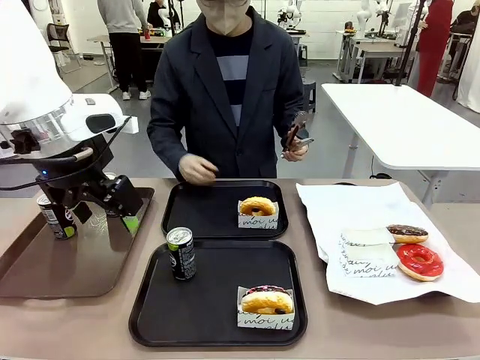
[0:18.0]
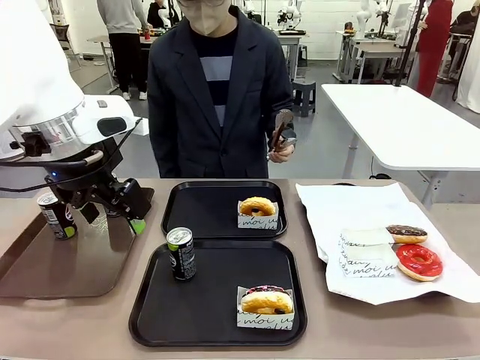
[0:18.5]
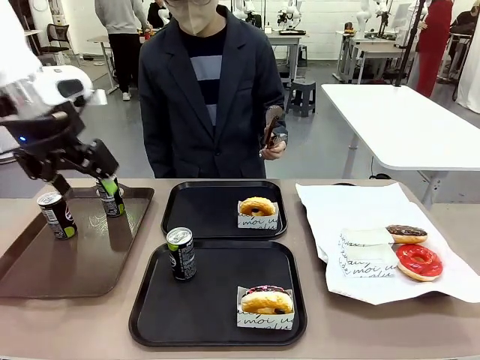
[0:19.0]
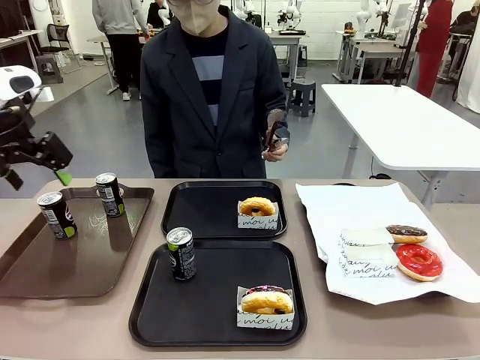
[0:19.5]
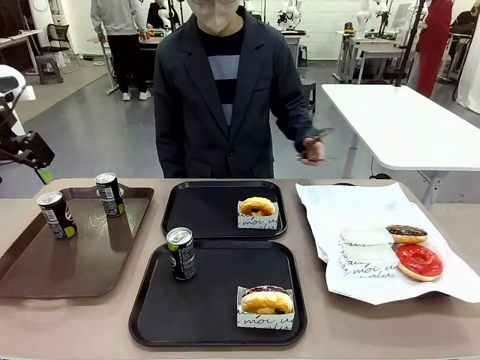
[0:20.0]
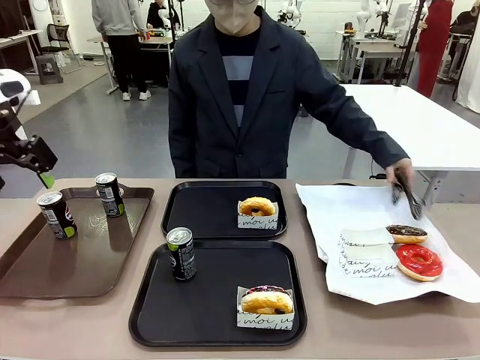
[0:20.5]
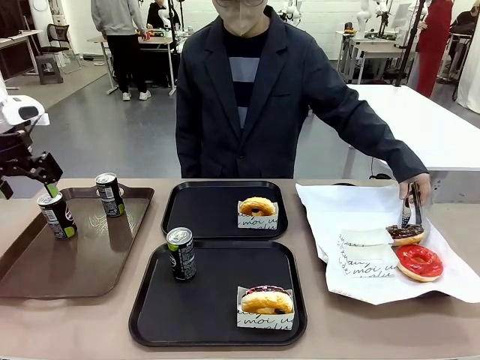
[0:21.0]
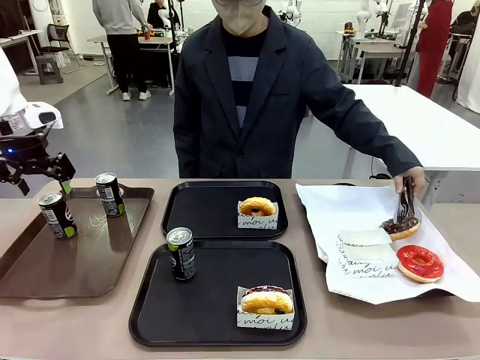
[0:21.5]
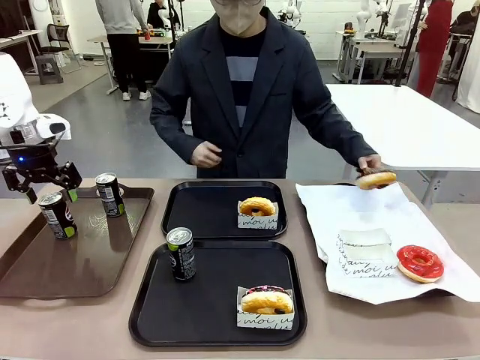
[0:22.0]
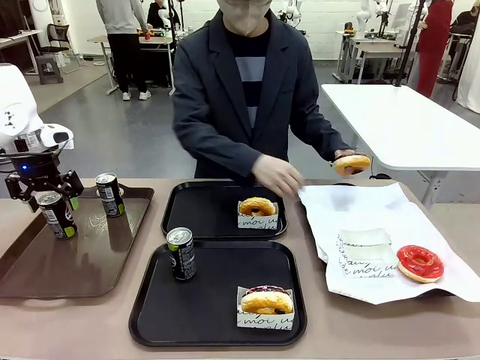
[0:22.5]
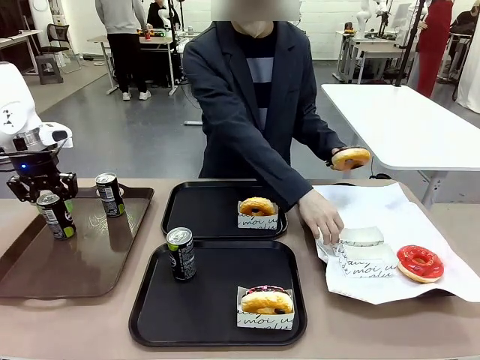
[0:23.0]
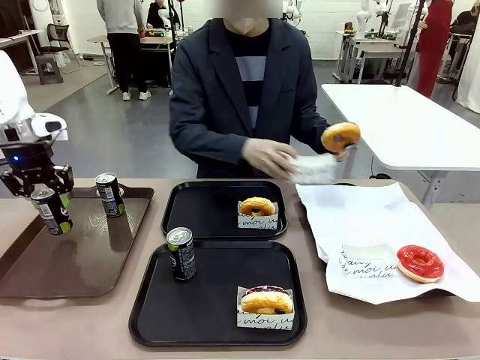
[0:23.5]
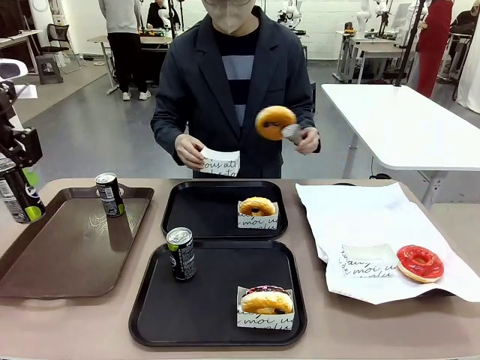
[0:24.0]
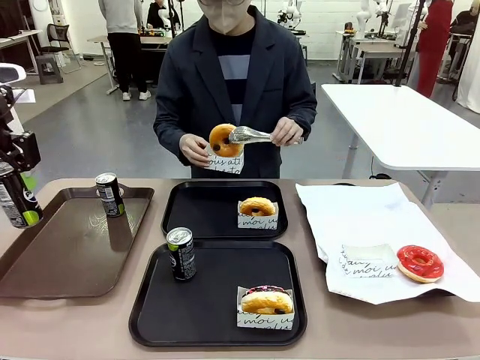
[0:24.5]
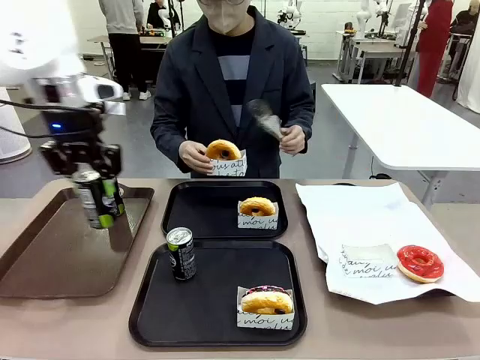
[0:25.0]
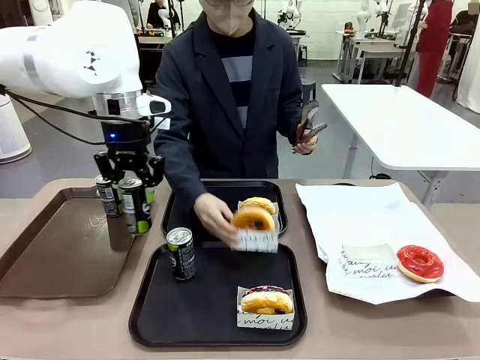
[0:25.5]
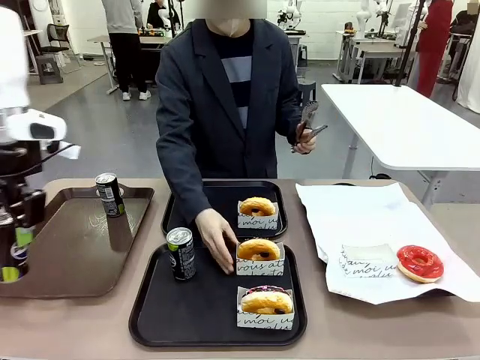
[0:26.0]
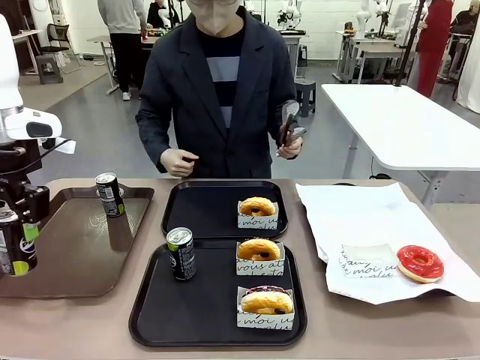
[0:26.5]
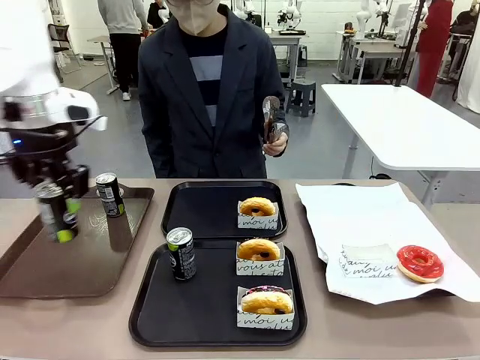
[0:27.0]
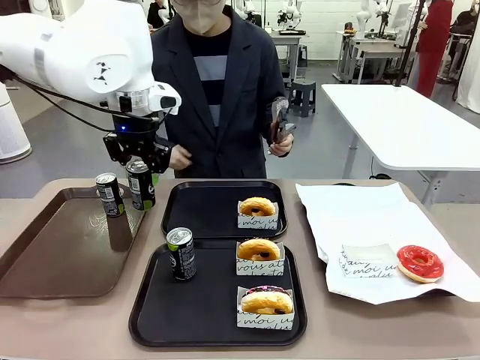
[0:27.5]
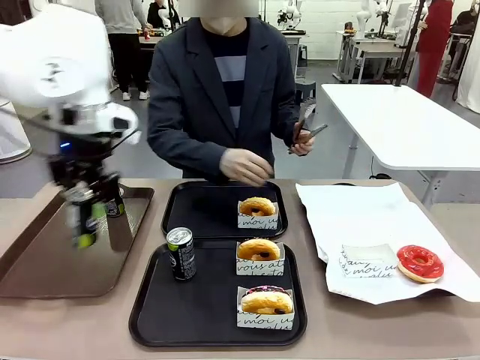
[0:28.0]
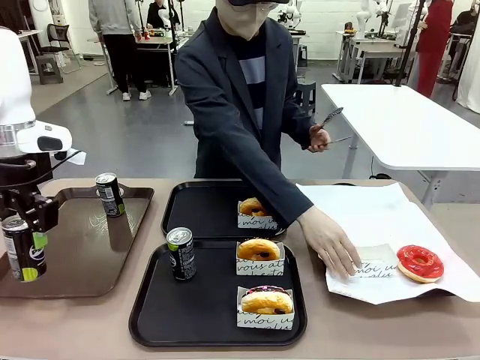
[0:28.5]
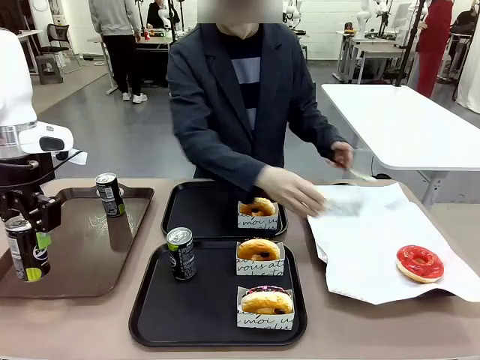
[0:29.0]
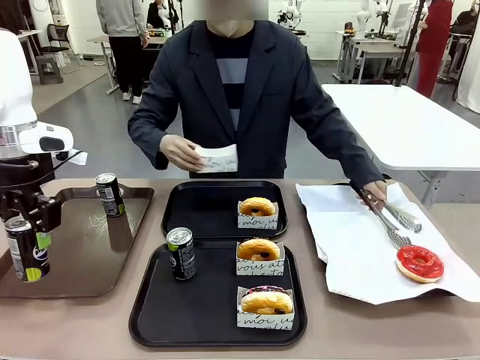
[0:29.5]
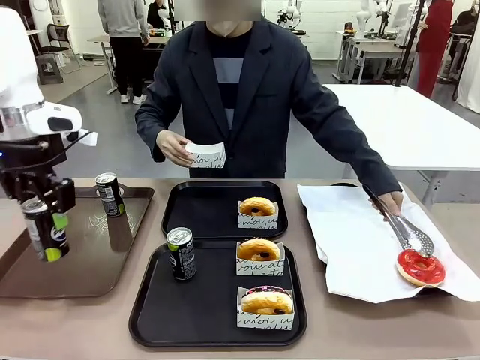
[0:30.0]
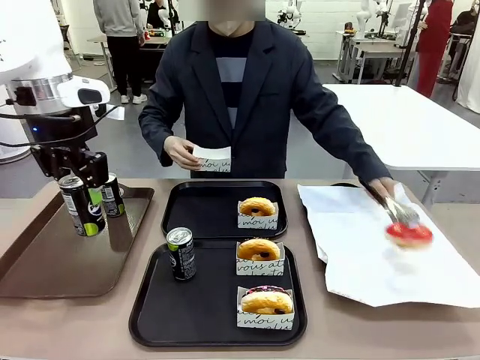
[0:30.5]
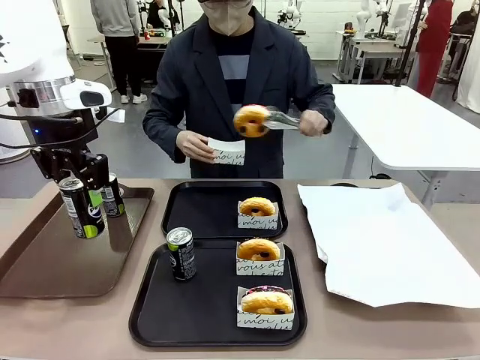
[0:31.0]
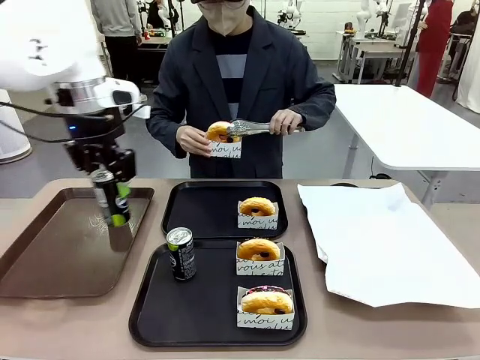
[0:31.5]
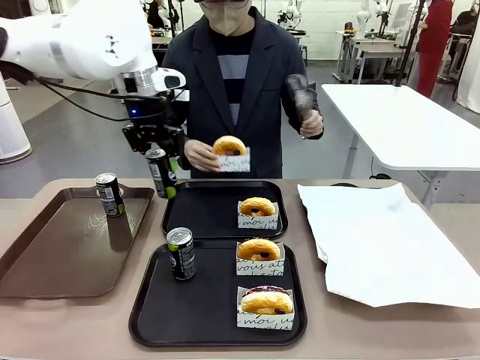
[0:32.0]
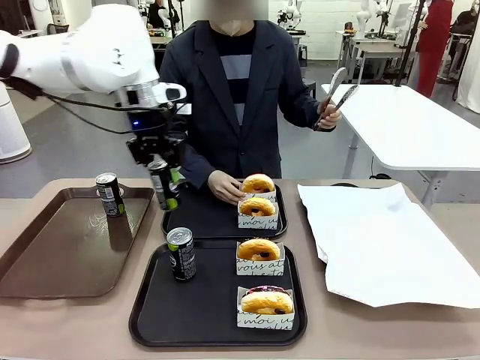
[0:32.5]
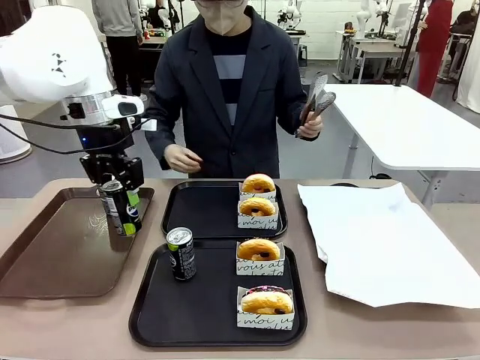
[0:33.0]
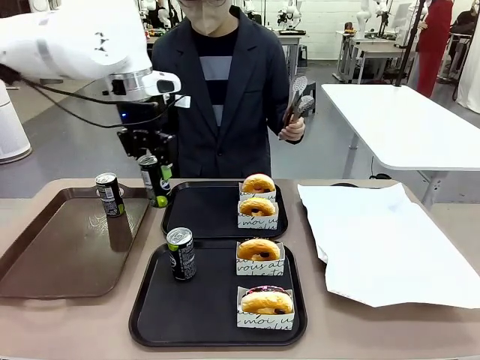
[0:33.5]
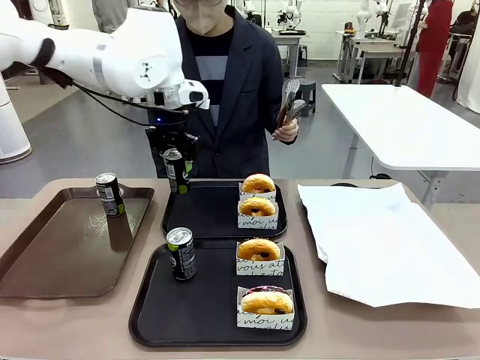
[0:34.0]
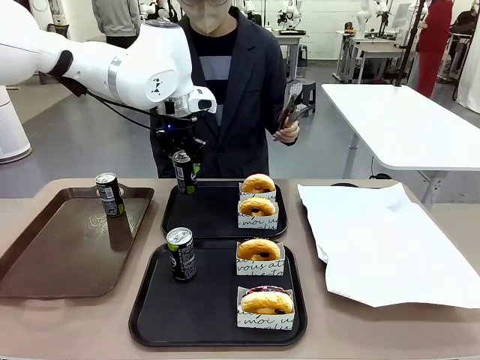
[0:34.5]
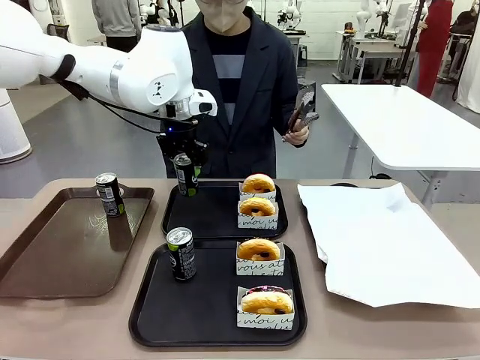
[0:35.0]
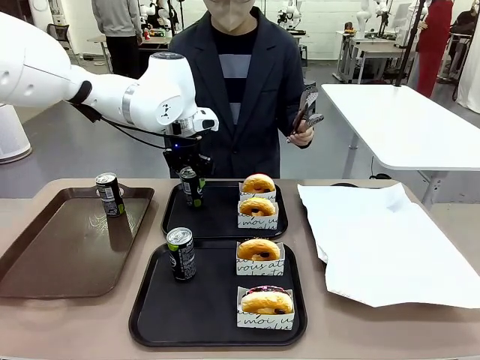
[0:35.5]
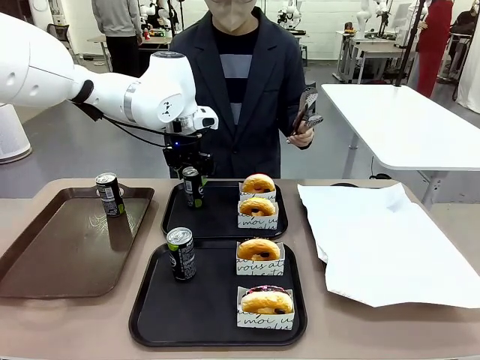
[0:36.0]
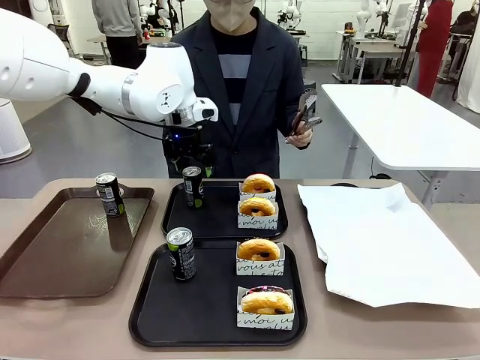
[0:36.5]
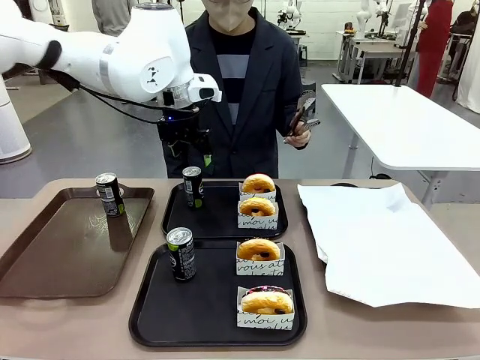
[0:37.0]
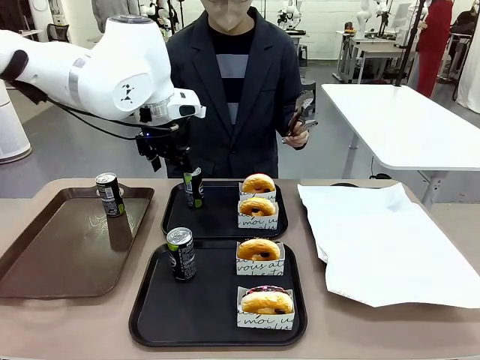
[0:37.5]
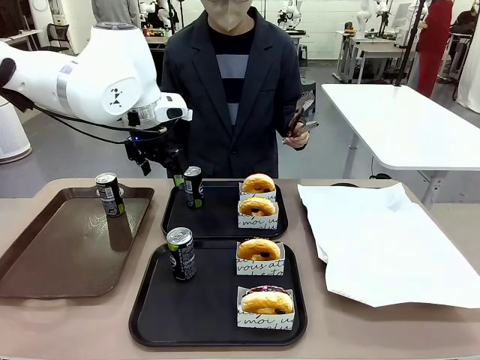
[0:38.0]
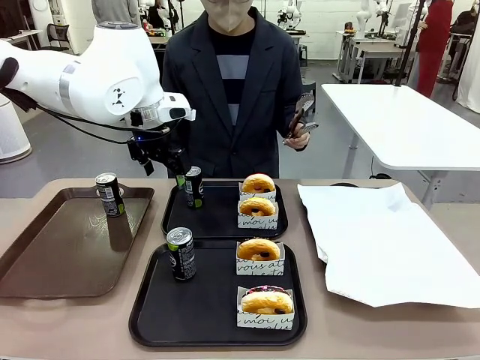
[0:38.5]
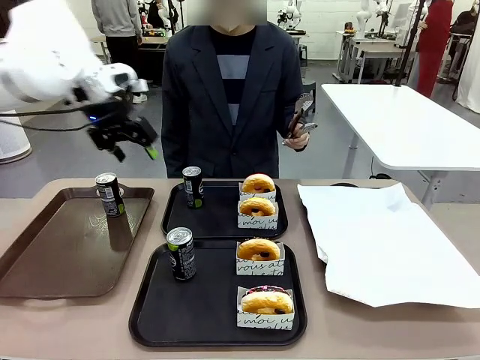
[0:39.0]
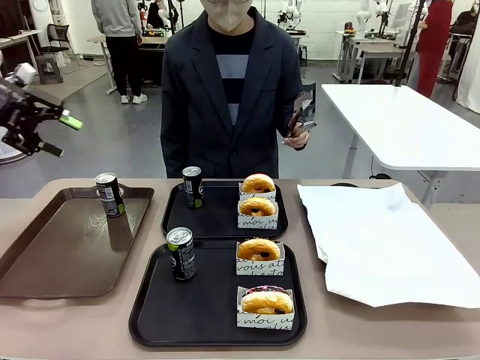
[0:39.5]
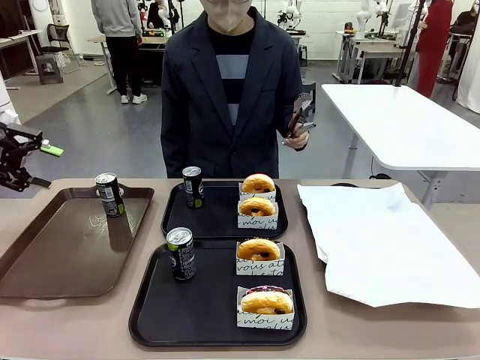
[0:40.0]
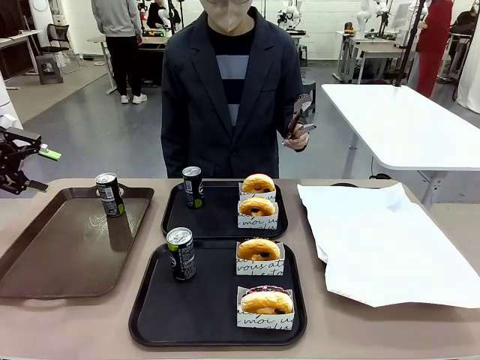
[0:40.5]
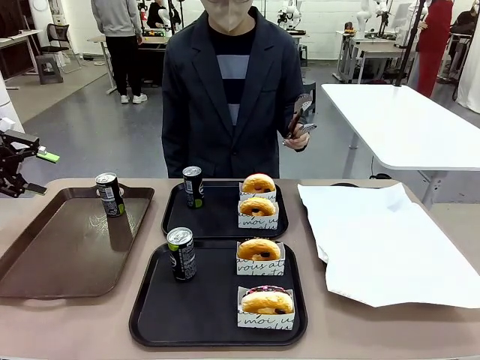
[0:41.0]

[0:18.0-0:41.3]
Task: Set up donuts and drinks on trays.
Robot: Pick up one Pepsi coke from the Handle tray and place it on the Flat Tray without a Pepsi coke.
Person: Pick up one donut with tongs, place it in the donut tray, and then place the donut tray on the flat tray.
